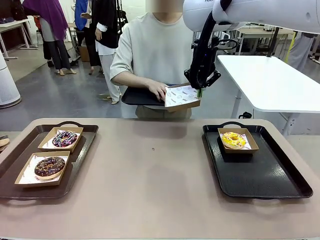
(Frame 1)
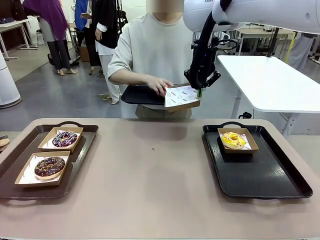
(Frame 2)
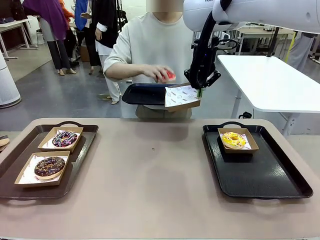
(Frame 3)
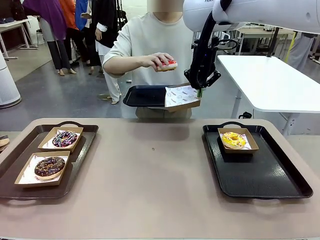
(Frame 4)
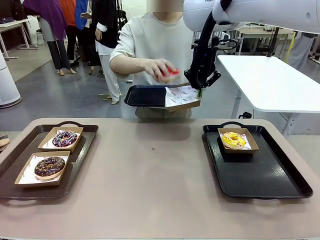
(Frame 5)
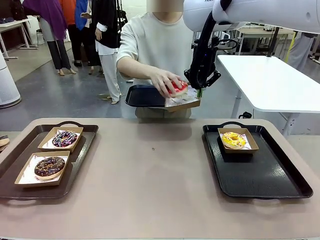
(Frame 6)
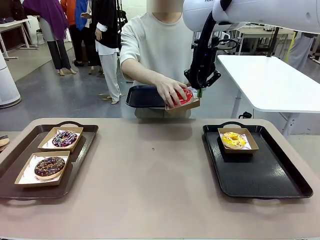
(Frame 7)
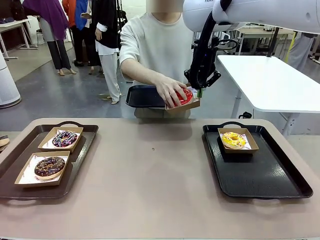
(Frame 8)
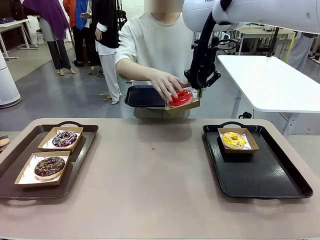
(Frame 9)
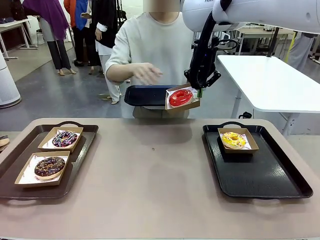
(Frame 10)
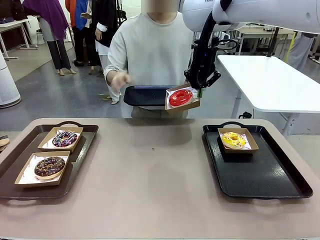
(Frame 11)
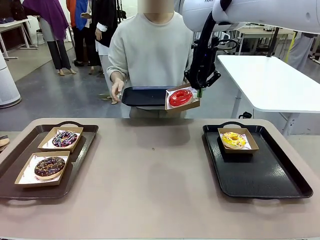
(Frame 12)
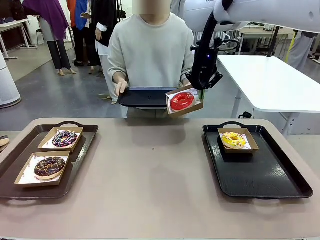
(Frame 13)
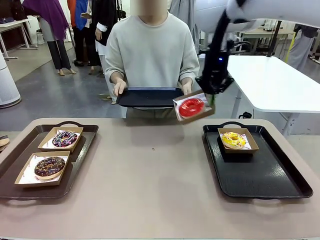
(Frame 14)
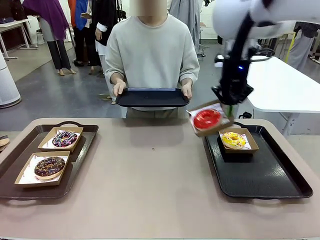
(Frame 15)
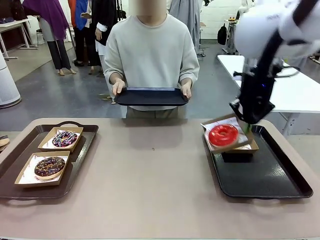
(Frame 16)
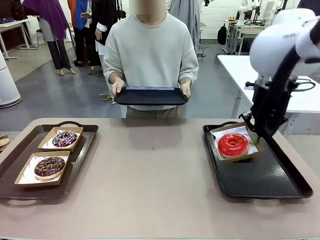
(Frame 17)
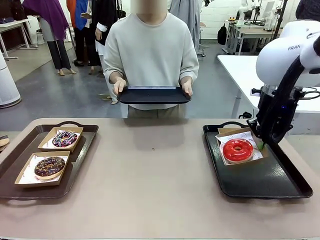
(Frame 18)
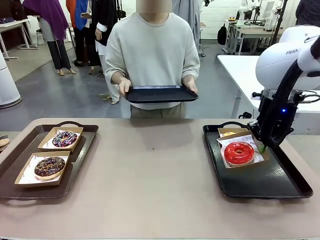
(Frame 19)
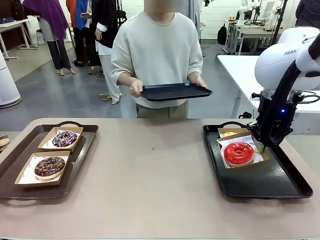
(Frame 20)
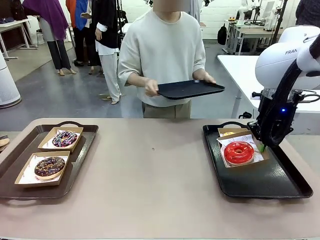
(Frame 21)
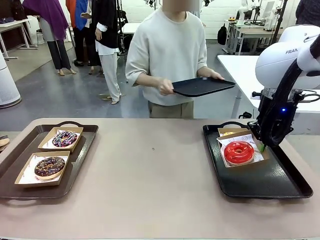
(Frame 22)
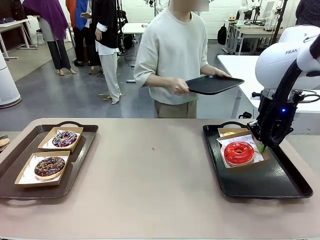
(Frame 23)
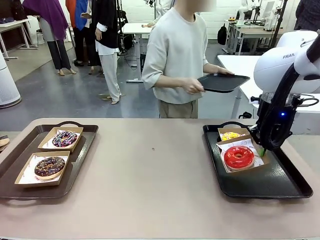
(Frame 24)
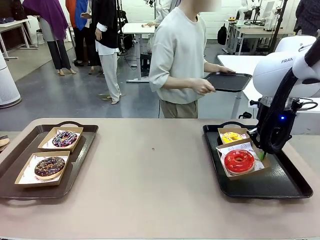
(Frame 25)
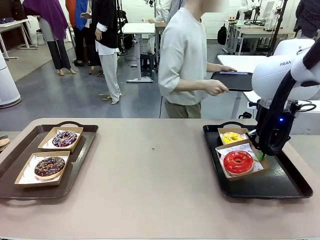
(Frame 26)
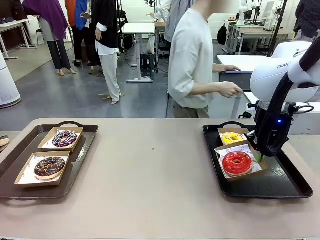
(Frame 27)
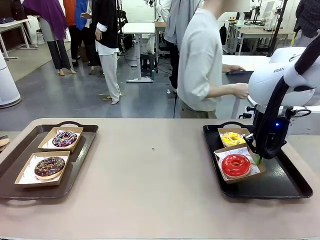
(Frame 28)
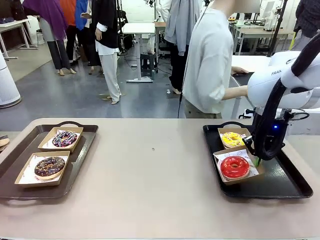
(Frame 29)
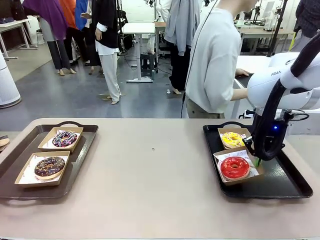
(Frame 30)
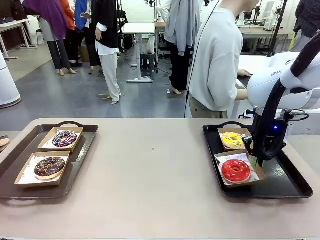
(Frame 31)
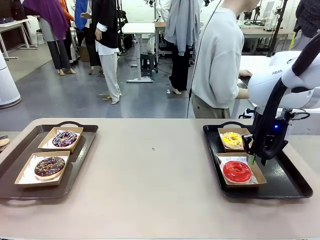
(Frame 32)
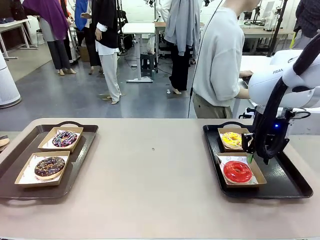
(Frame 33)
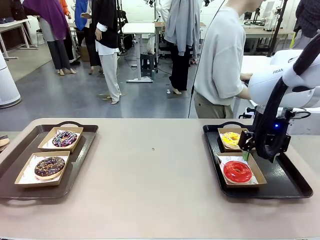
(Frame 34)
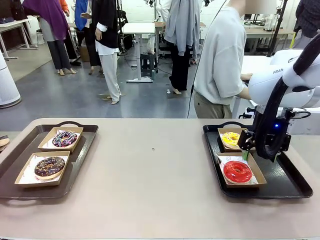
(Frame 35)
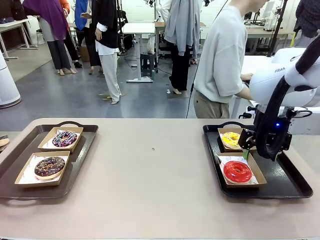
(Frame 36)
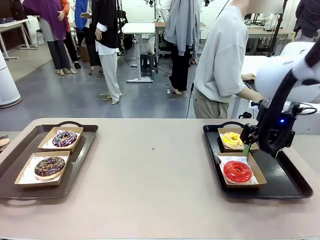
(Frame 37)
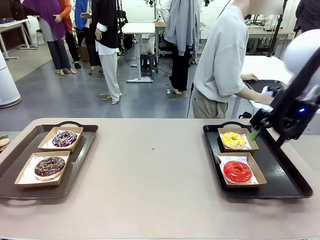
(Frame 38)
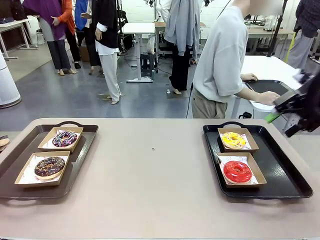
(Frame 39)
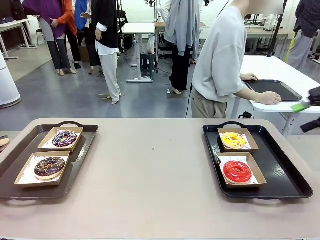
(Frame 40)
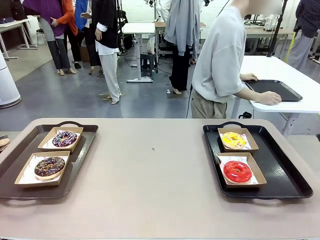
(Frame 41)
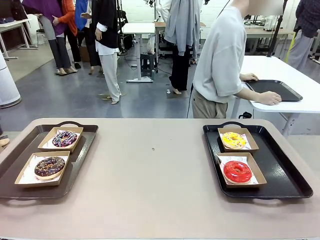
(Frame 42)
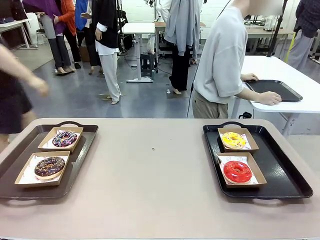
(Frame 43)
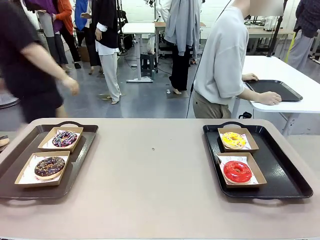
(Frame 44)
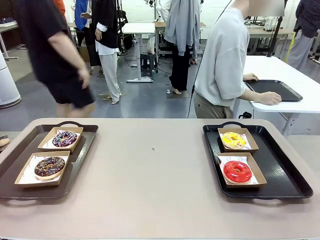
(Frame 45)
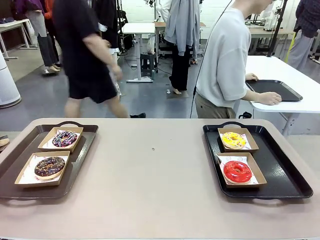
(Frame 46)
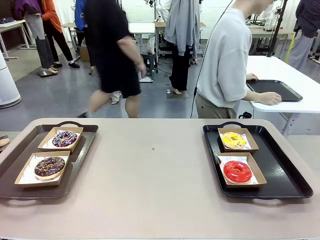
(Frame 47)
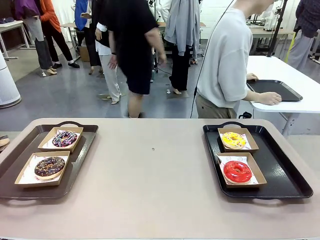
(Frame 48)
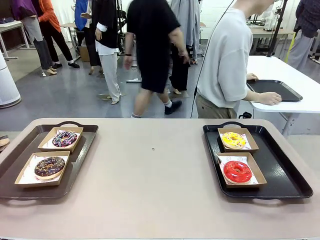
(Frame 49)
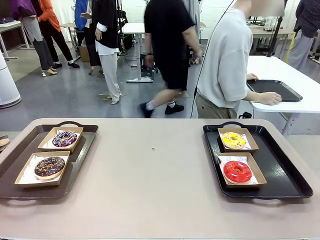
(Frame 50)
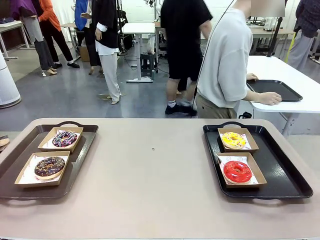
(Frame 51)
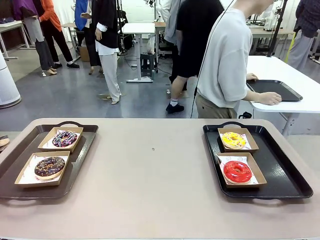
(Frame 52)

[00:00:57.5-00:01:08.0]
Task: Individually package the donuts and arrange them on the tray.
Robot: Place the picked Paper togo box on the Handle tray.
Person: Place the tray down in the middle of the human table.

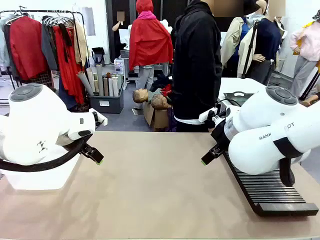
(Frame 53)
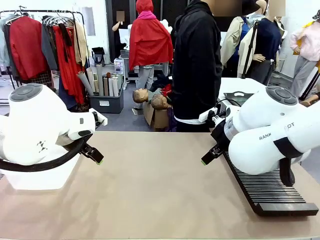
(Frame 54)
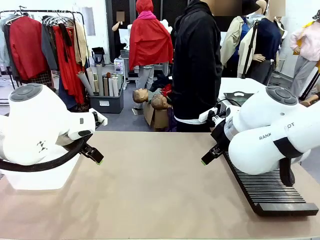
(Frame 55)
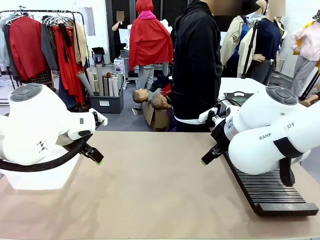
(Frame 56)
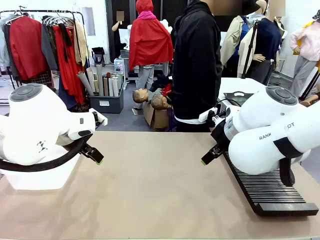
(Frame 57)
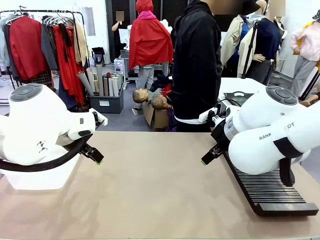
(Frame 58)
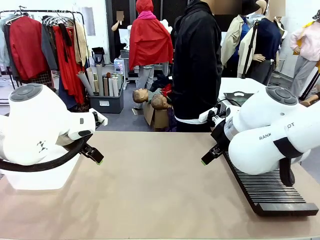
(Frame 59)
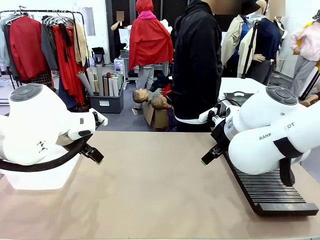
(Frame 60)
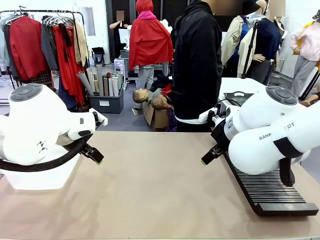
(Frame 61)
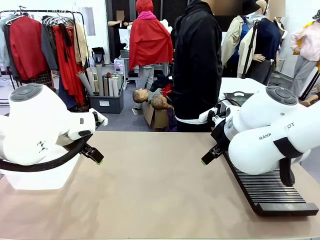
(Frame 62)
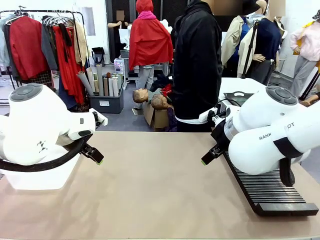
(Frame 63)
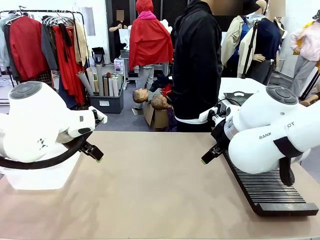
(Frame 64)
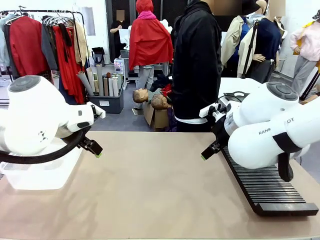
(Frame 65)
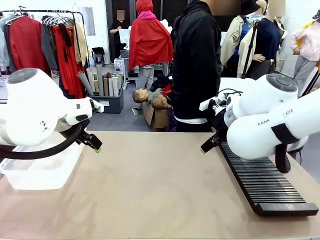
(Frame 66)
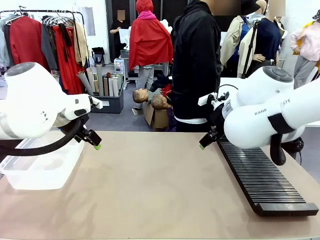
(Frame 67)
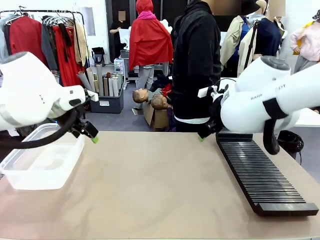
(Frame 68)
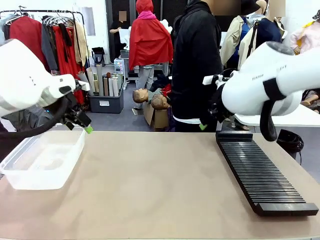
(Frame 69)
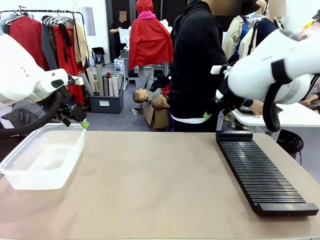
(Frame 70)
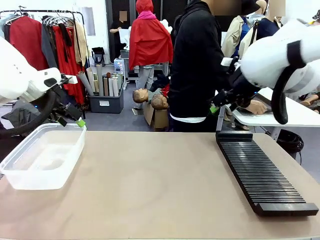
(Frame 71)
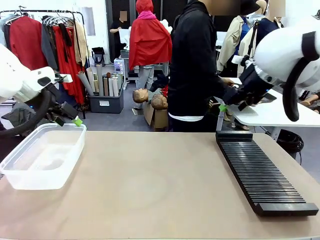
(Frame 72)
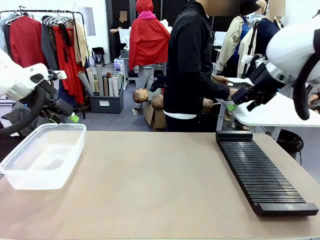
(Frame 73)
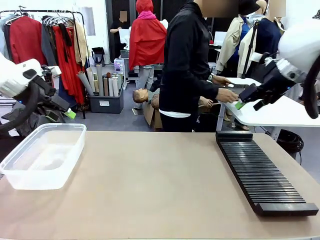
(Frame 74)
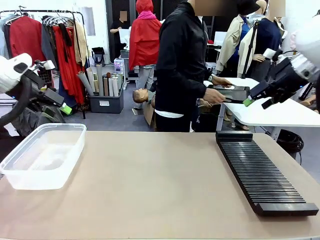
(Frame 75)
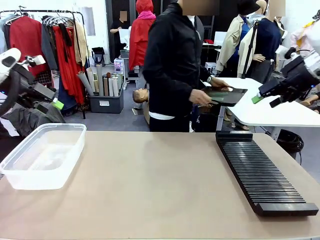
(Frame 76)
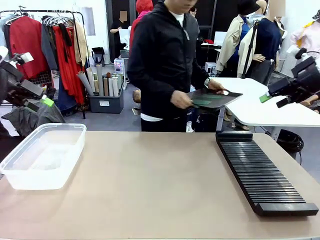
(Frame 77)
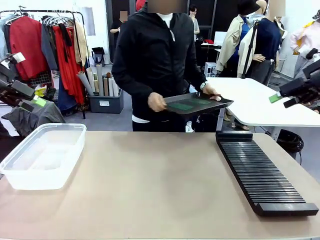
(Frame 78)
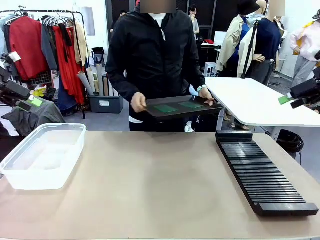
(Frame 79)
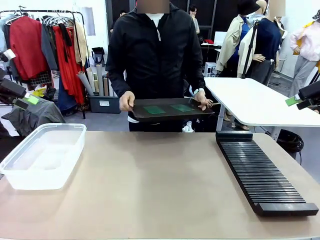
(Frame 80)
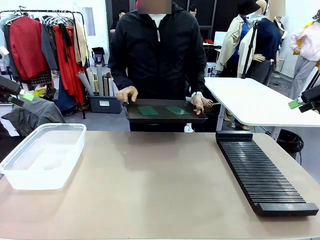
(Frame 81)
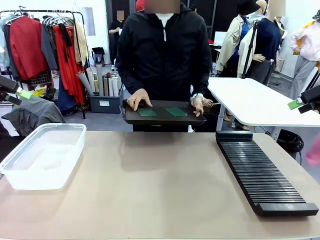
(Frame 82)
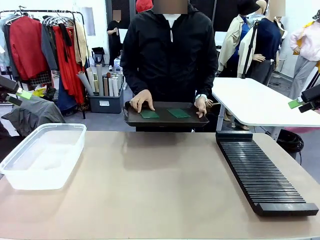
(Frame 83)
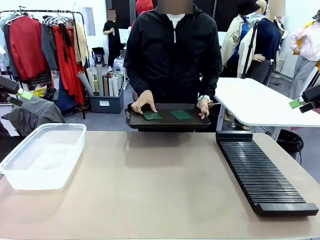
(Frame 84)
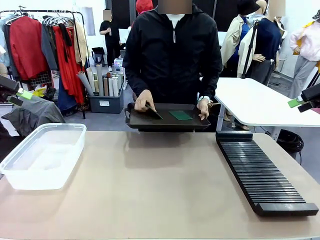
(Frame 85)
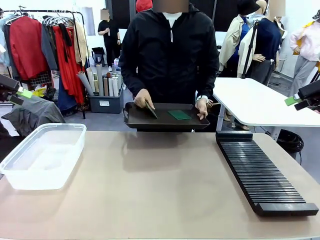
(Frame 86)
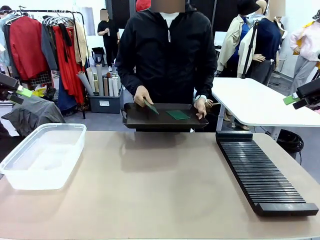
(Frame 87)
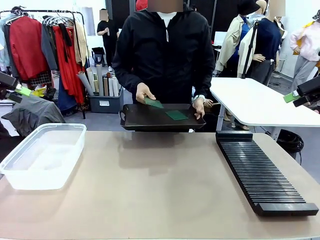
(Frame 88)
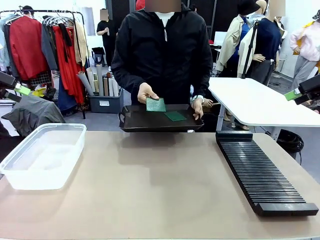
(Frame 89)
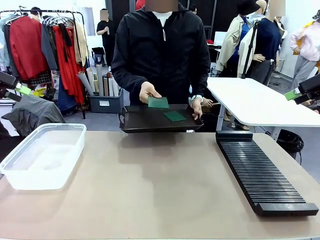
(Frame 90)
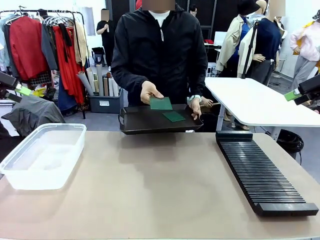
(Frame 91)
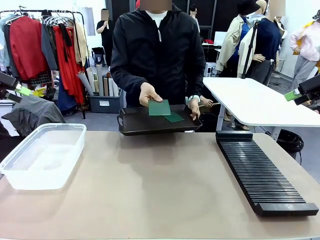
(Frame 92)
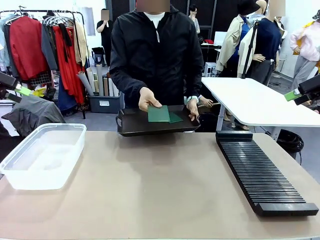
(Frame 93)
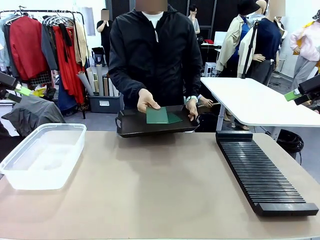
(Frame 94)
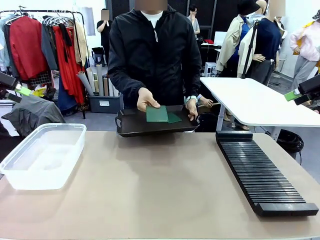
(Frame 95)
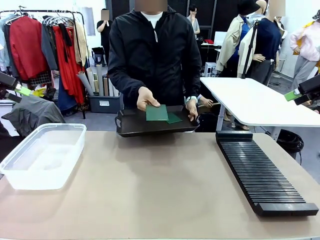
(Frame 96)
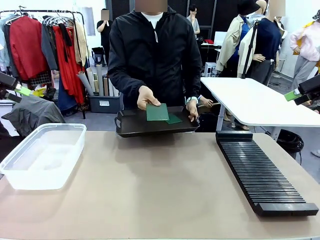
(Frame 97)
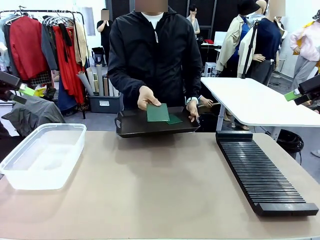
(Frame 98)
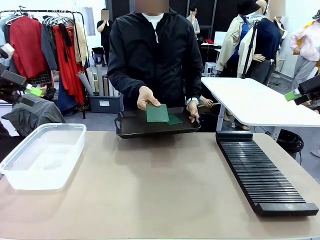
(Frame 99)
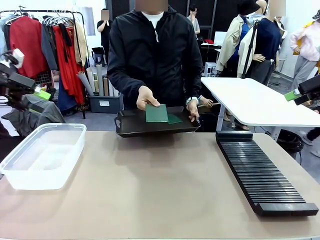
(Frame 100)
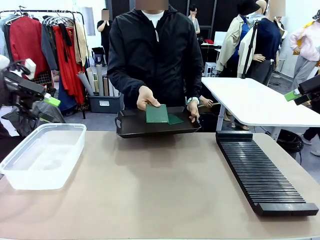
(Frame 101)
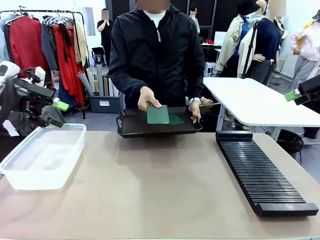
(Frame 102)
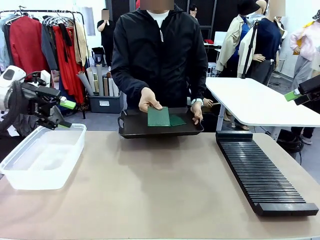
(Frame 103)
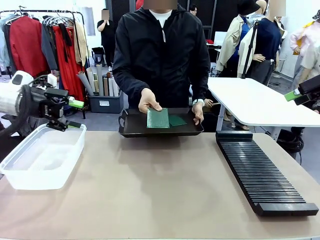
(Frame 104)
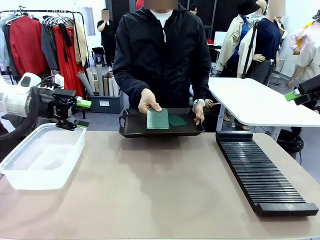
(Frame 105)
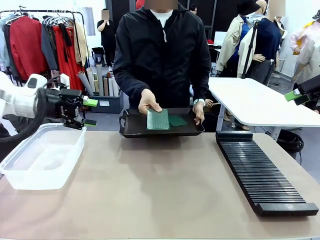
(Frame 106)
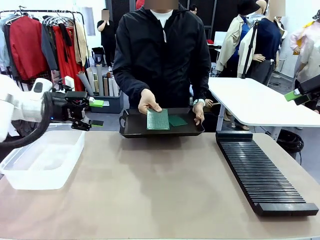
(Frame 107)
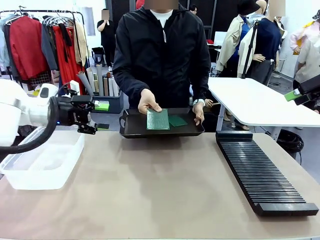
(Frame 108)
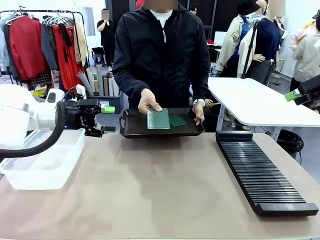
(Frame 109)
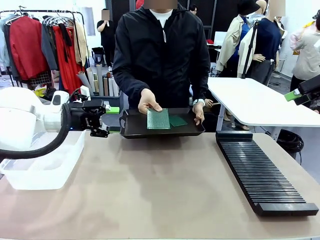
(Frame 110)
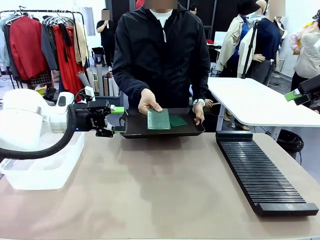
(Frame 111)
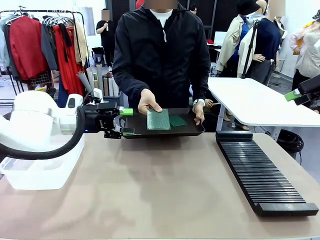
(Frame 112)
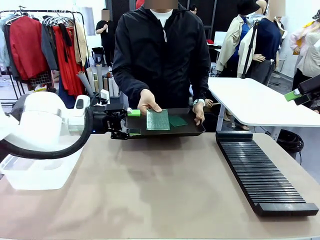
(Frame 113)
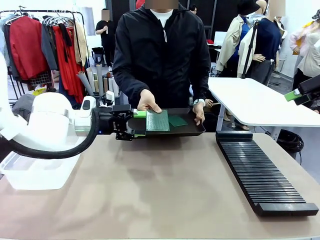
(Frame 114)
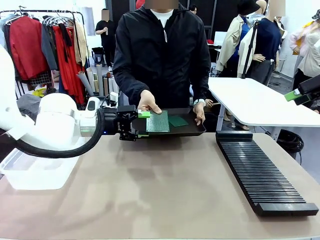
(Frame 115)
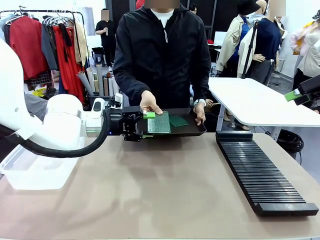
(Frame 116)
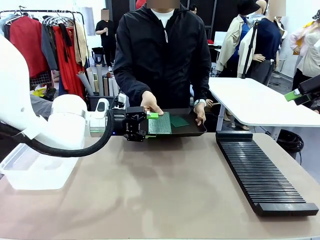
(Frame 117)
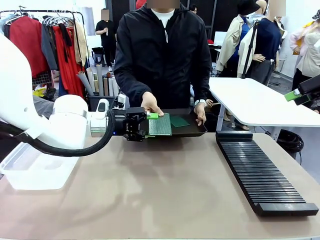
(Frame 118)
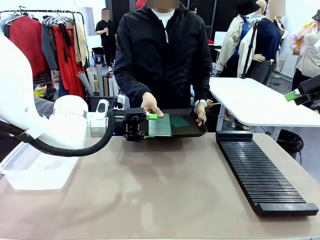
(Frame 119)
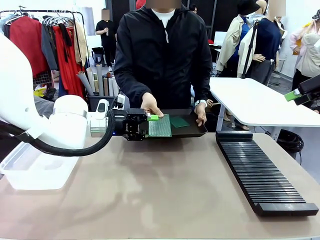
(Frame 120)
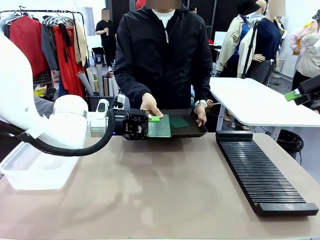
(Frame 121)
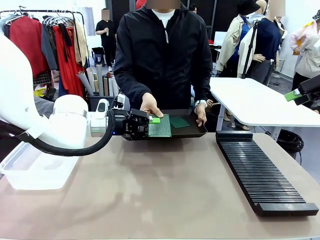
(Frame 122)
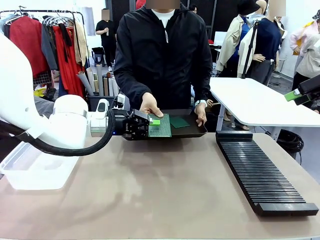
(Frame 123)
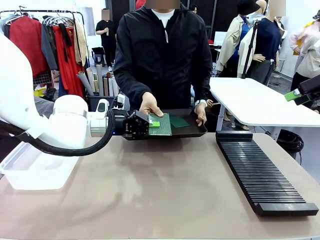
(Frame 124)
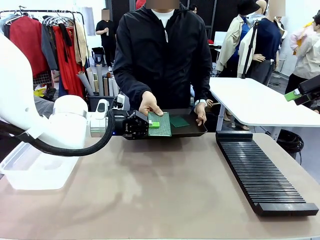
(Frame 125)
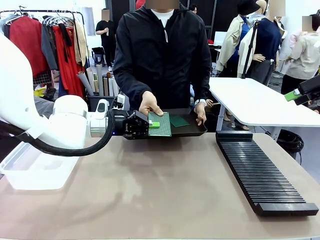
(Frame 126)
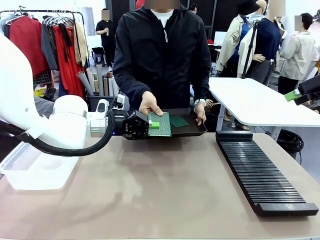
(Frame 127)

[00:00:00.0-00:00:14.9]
Task: Sort PCBs into racks and boxes based on the side picked up.
Robot: Pick up the Blank PCB handed by the Human.
Person: Pick one PCB from the tray and present it to the robot. Release the PCB being held.
